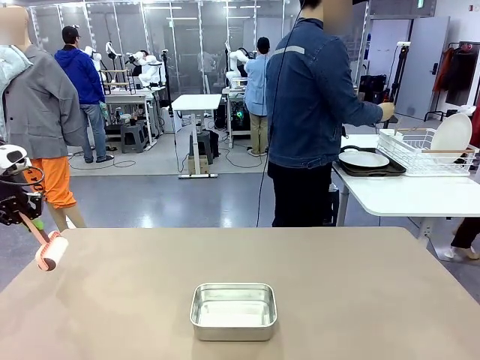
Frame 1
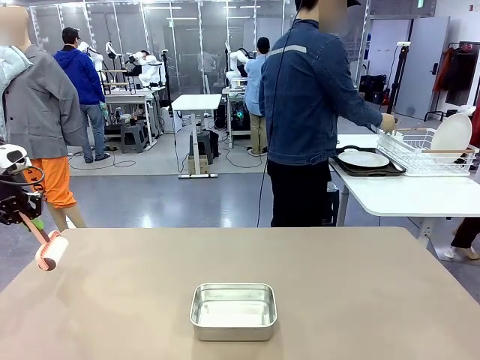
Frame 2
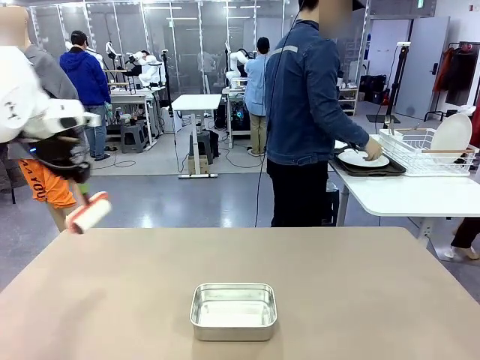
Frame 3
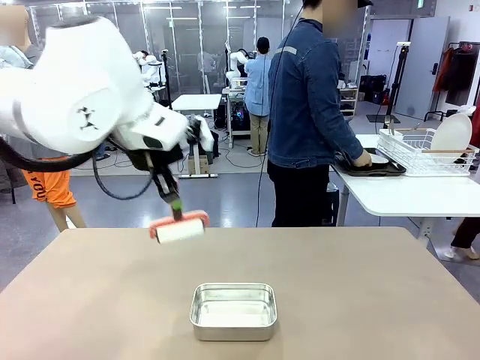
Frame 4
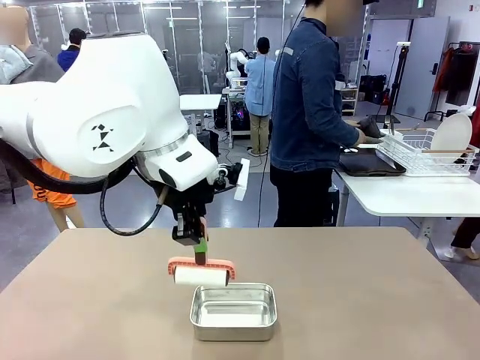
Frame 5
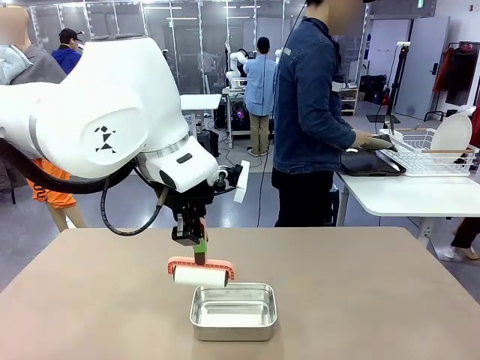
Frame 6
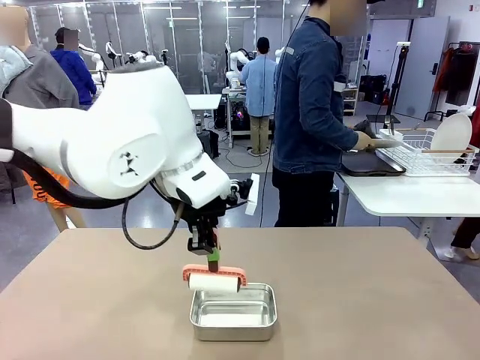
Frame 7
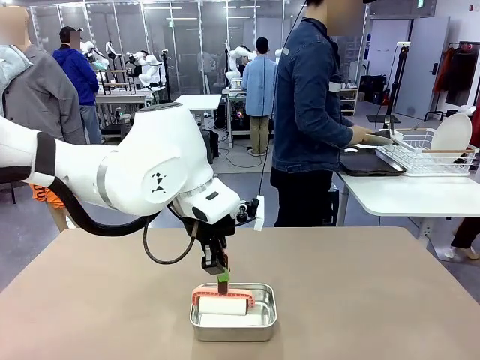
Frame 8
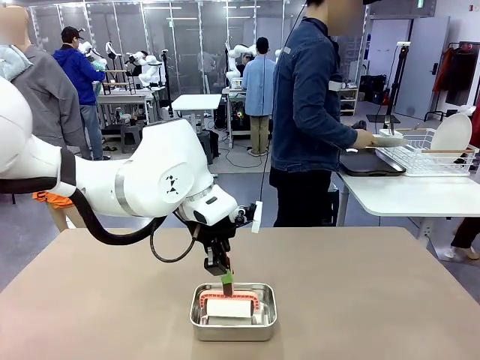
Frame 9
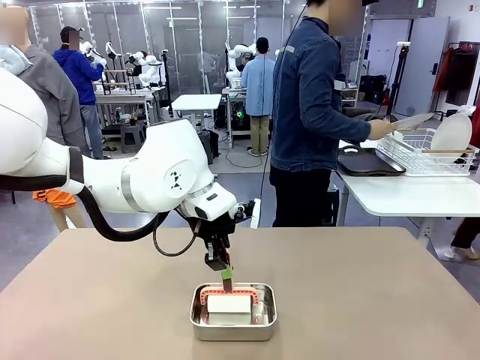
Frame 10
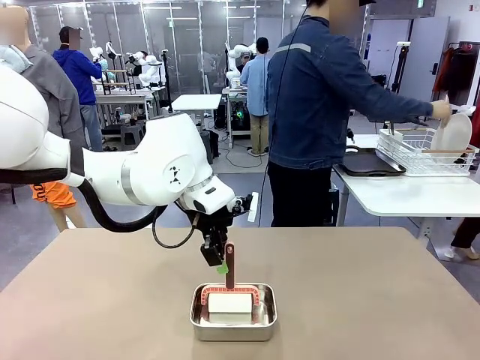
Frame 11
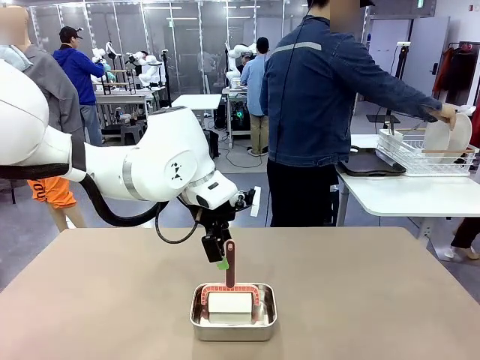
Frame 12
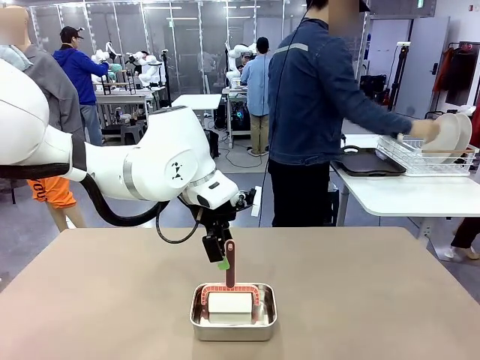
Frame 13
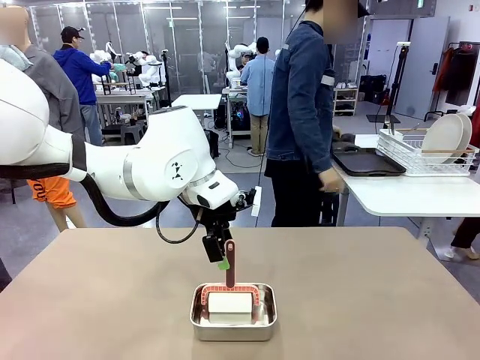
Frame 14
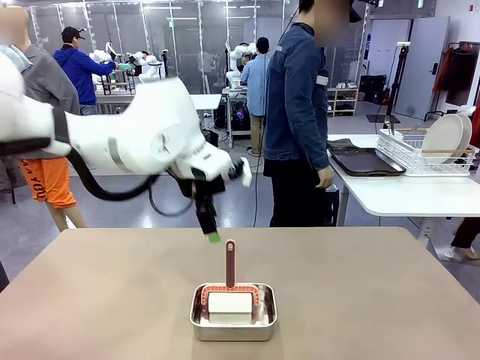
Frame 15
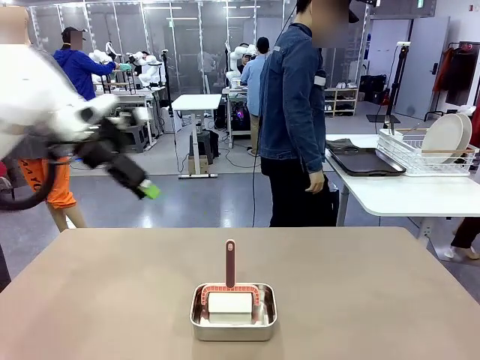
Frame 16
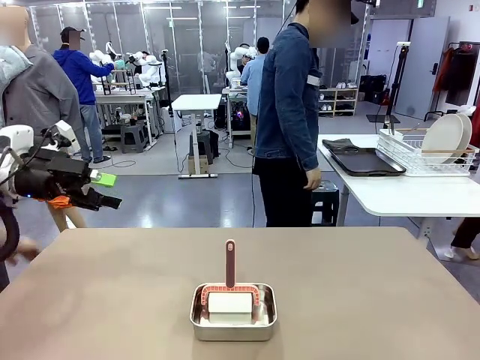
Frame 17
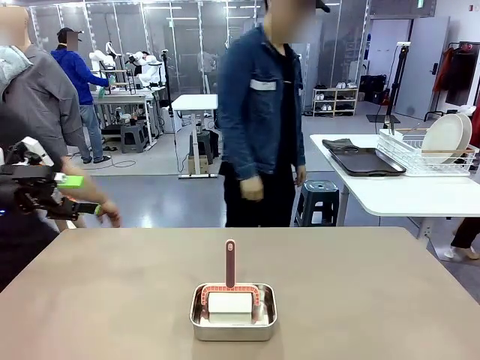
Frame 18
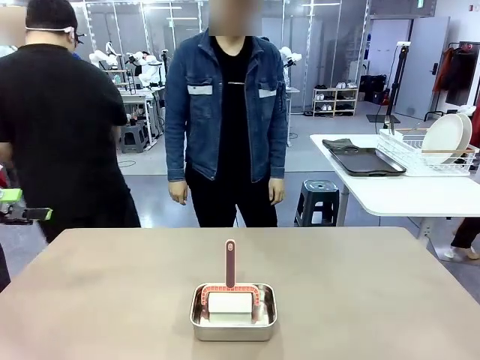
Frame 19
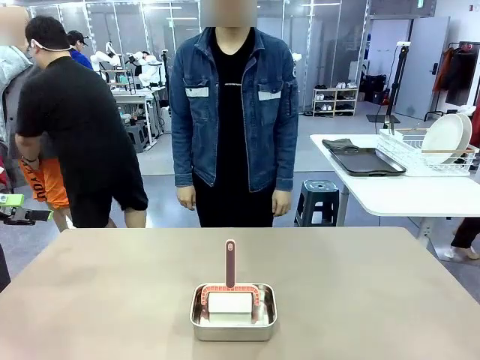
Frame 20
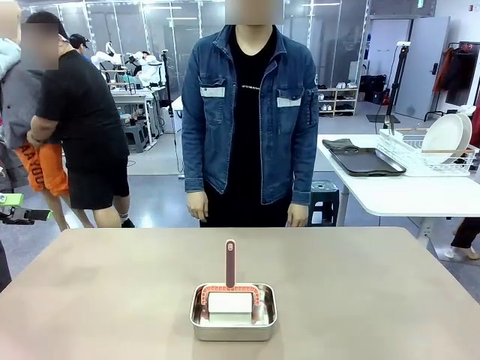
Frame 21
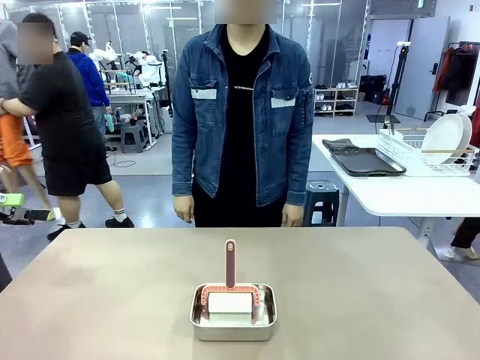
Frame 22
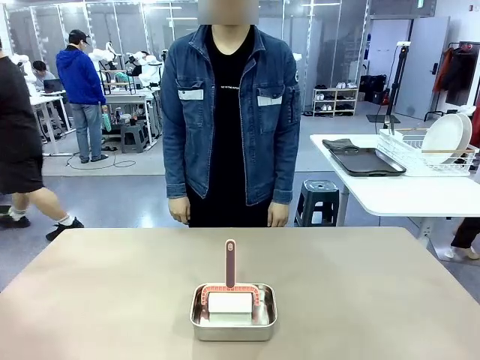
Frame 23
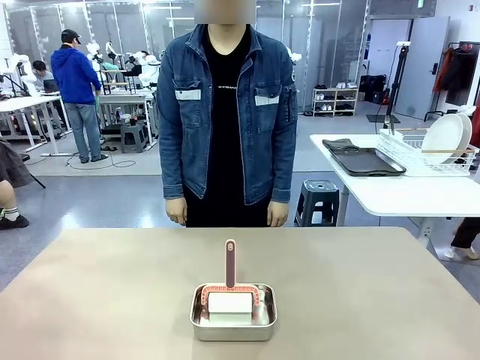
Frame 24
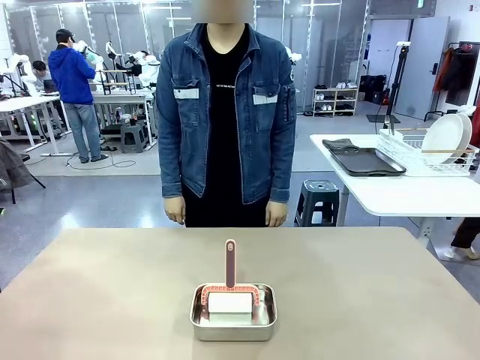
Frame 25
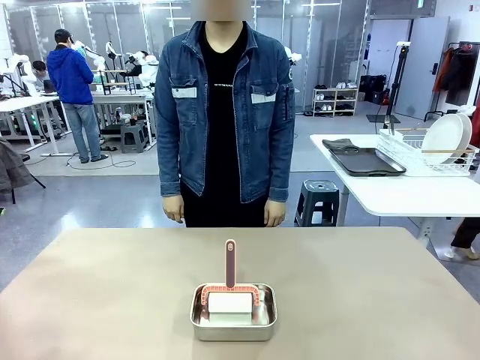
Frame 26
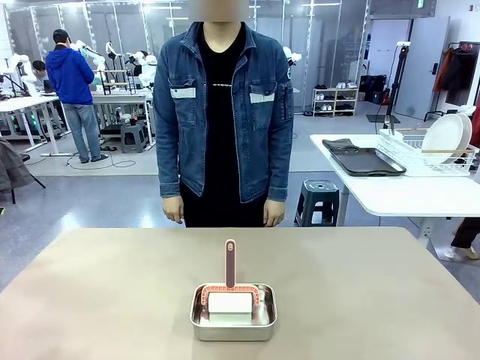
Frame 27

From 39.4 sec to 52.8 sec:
Robot: Place the Lint Roller back on top of the Airtight Container.
Person: Use the Towel with hook to wipe the Plastic Matte Plate , Fork , and Knife and place into the Dish drying rack.

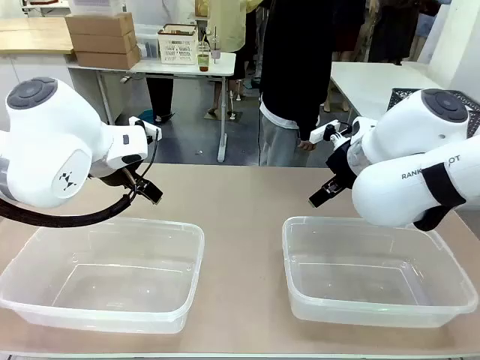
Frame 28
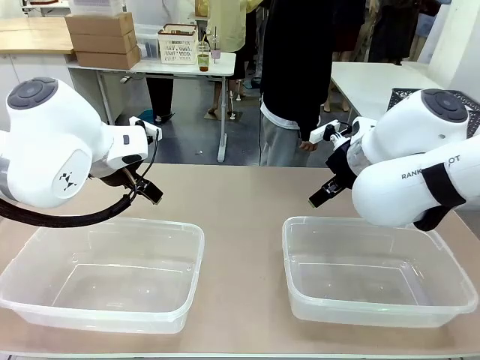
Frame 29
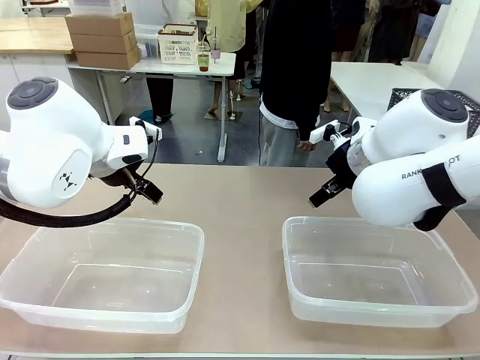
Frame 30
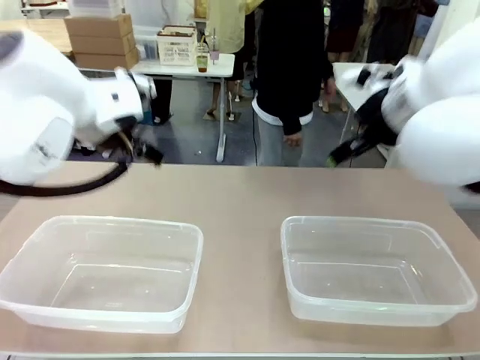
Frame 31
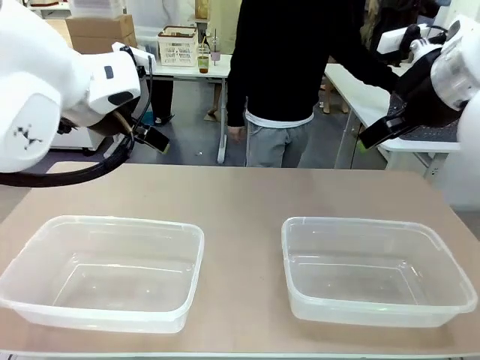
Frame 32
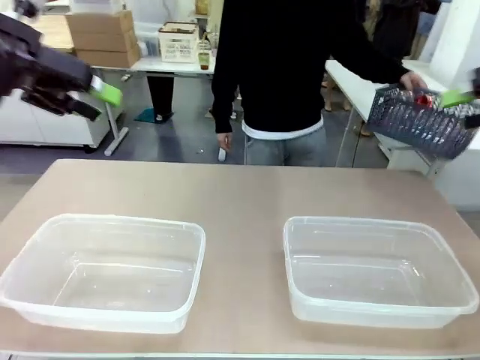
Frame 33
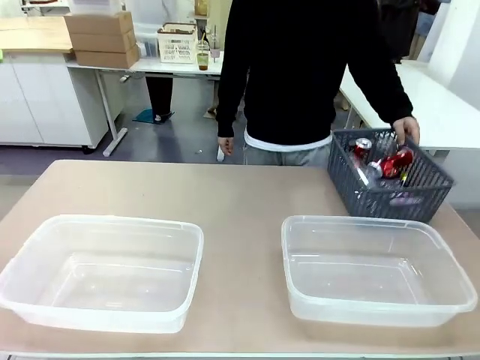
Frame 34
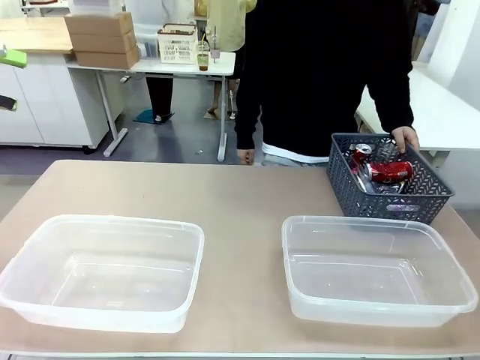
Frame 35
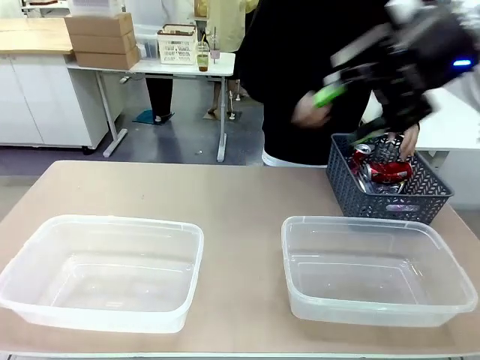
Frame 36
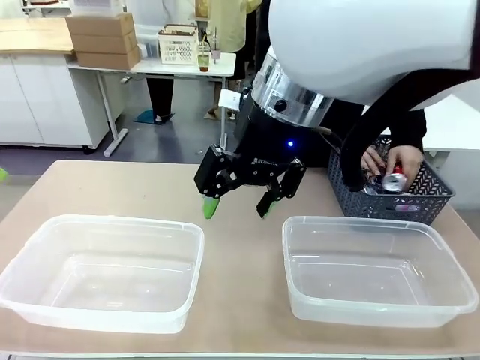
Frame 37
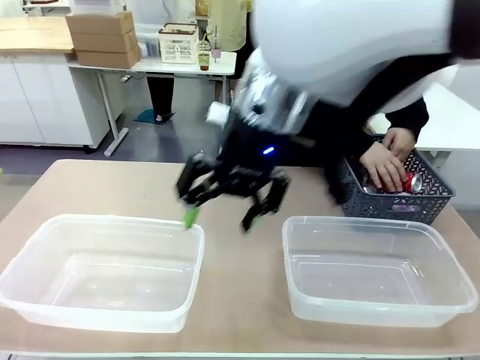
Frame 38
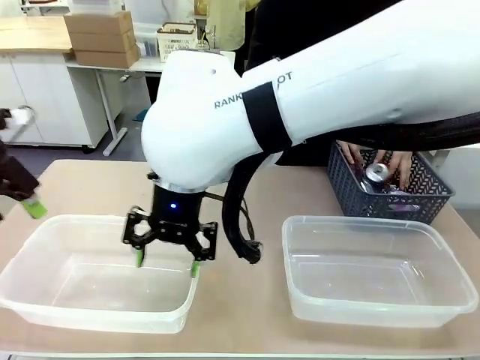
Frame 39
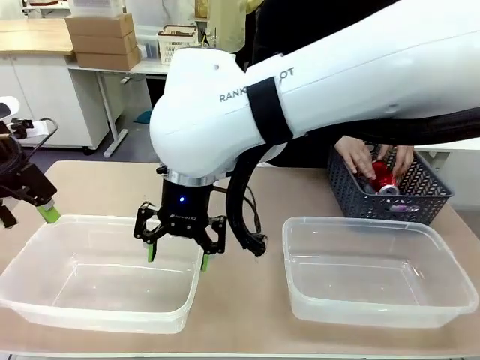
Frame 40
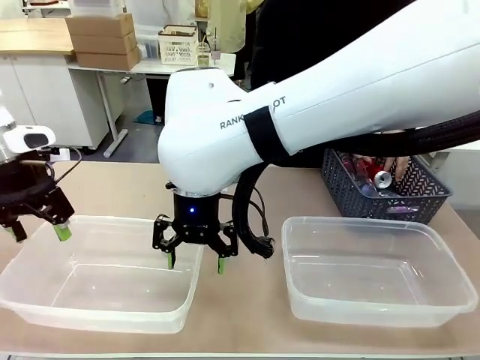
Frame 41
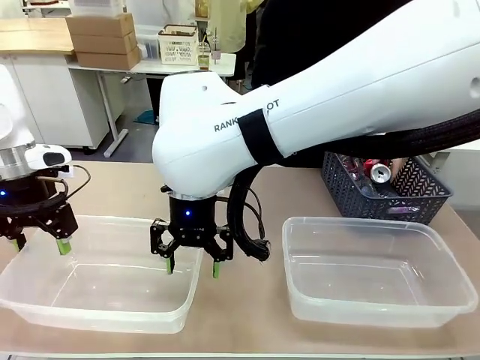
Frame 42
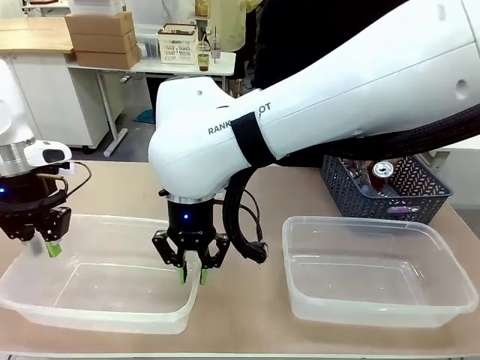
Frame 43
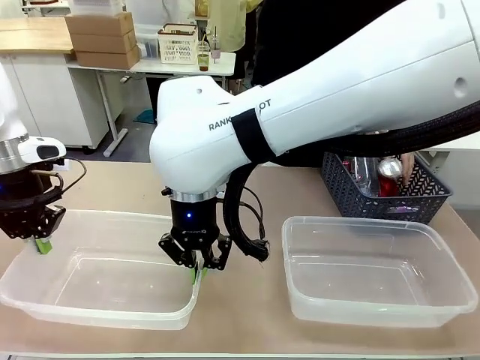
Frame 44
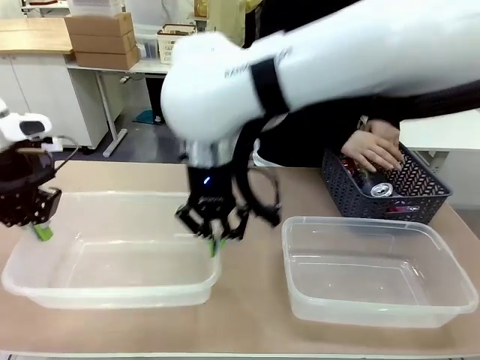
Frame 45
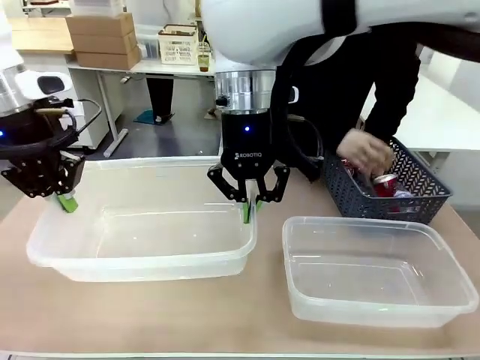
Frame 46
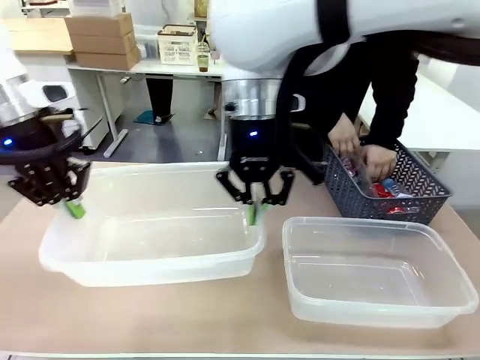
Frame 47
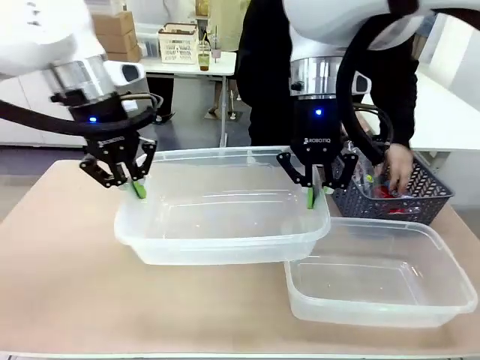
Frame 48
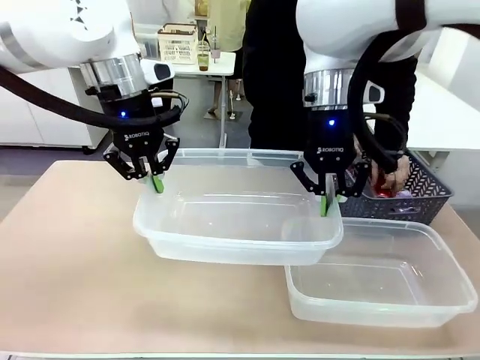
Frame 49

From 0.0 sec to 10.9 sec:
Robot: Pick up the Organizing box on the left side of the table and lift it.
Person: Pick up the storage basket and place it on the left side of the robot table. Pick up can-shaped waste one by one and place it into the organizing box lifted by the robot.
